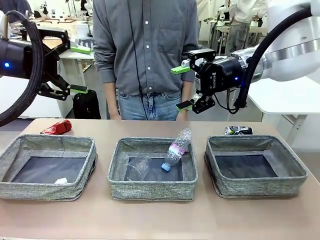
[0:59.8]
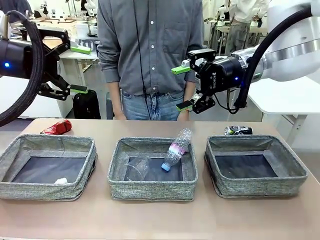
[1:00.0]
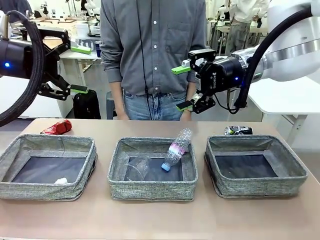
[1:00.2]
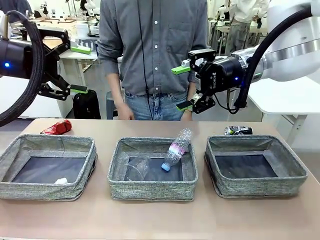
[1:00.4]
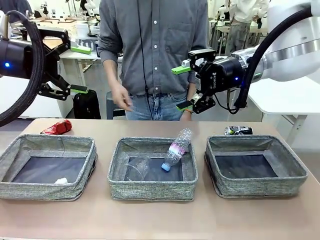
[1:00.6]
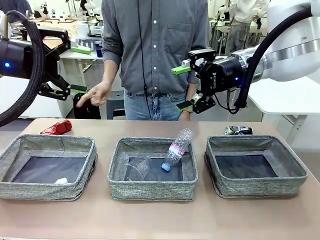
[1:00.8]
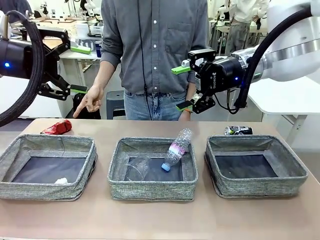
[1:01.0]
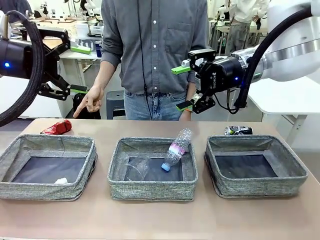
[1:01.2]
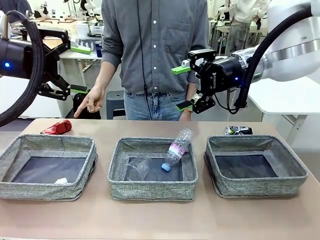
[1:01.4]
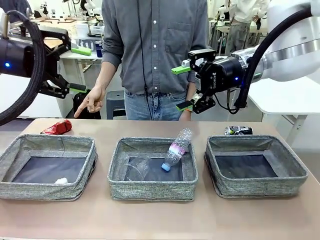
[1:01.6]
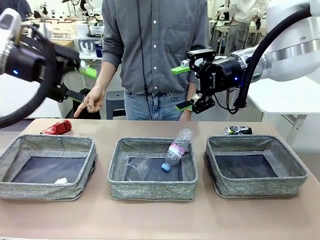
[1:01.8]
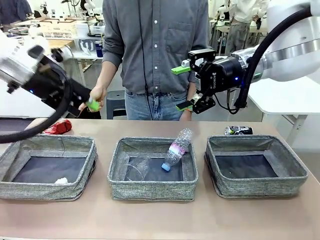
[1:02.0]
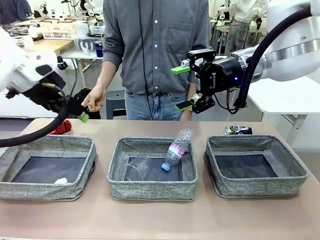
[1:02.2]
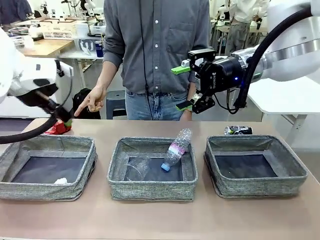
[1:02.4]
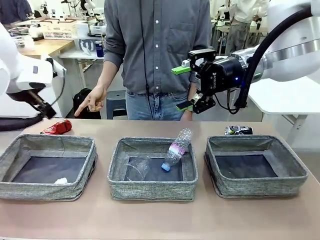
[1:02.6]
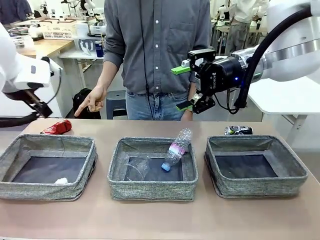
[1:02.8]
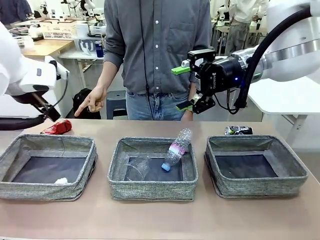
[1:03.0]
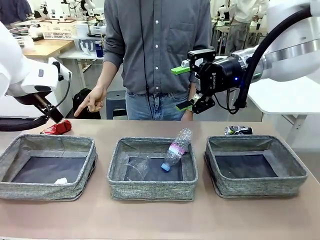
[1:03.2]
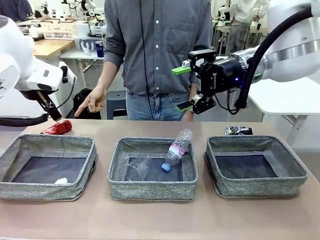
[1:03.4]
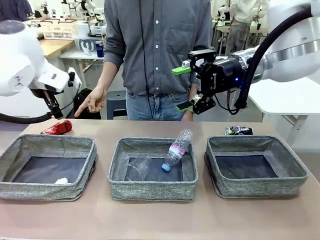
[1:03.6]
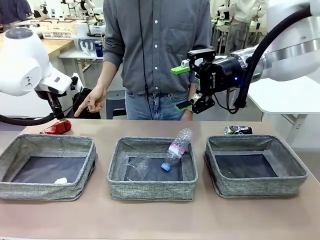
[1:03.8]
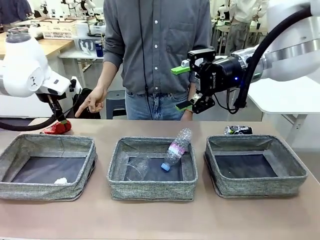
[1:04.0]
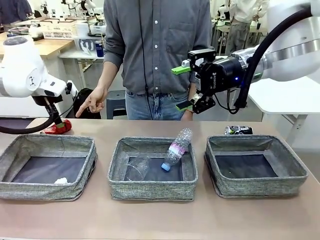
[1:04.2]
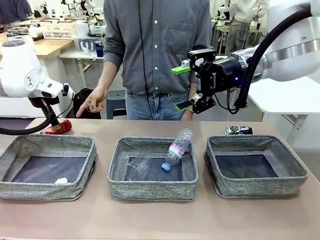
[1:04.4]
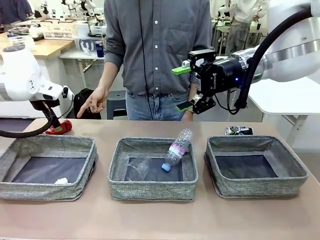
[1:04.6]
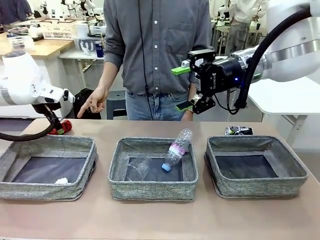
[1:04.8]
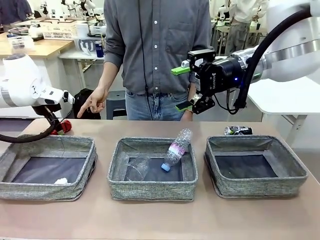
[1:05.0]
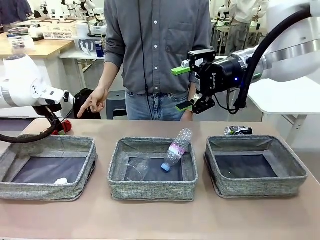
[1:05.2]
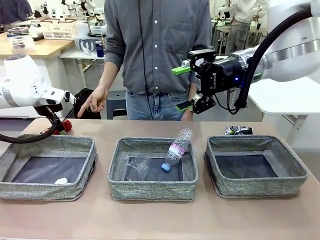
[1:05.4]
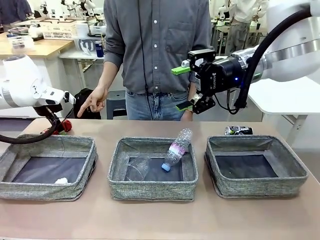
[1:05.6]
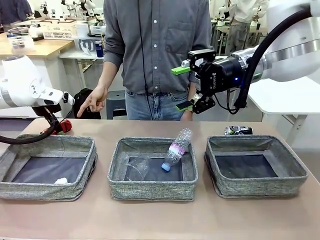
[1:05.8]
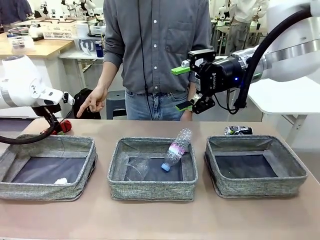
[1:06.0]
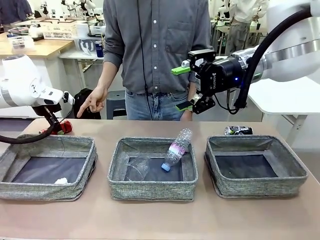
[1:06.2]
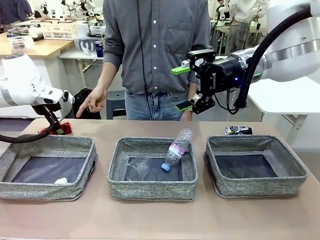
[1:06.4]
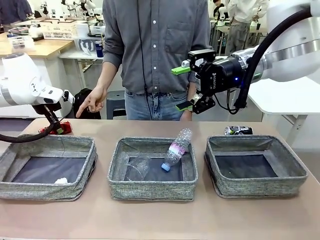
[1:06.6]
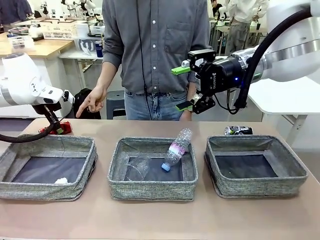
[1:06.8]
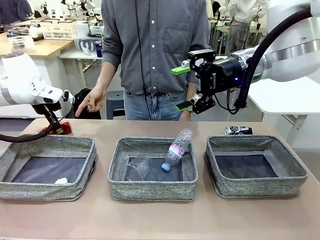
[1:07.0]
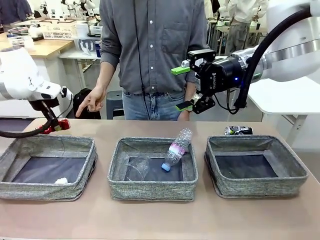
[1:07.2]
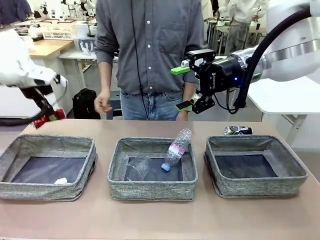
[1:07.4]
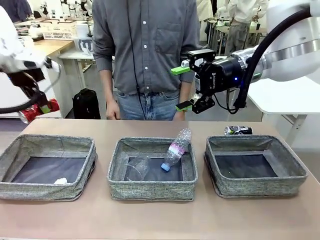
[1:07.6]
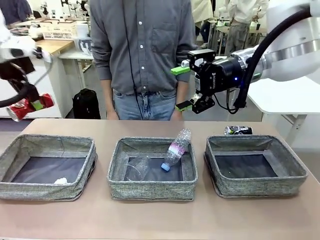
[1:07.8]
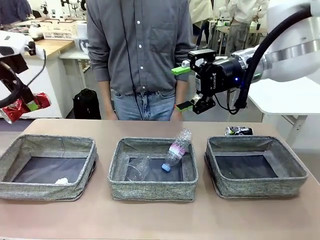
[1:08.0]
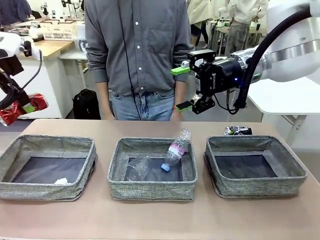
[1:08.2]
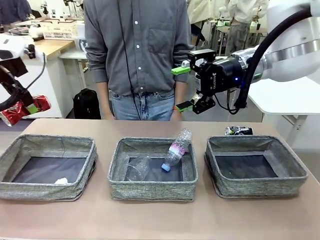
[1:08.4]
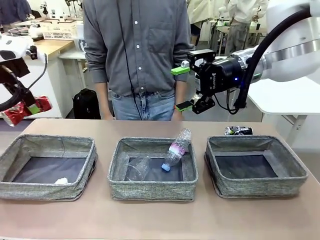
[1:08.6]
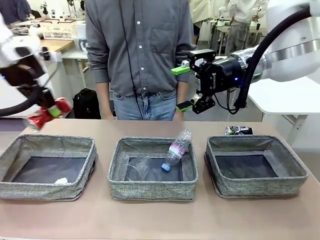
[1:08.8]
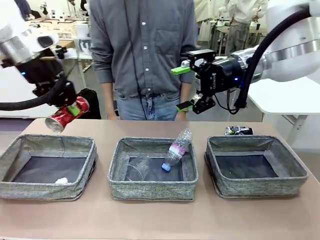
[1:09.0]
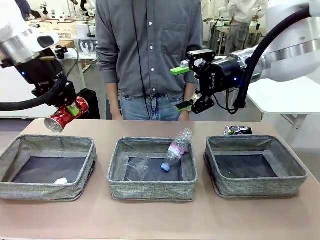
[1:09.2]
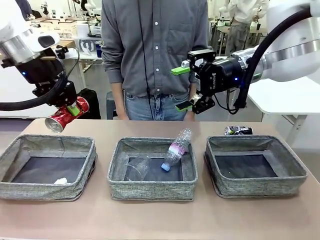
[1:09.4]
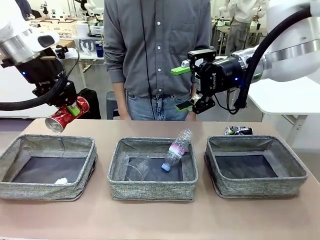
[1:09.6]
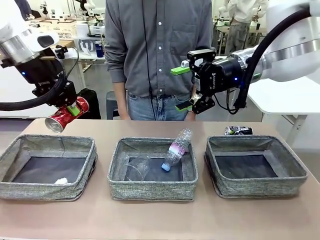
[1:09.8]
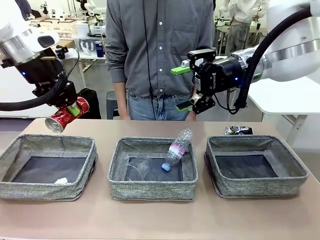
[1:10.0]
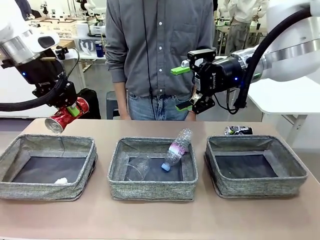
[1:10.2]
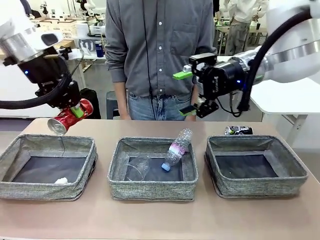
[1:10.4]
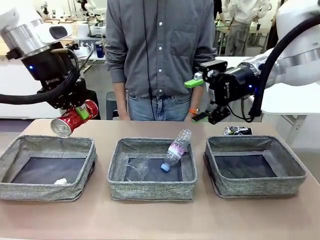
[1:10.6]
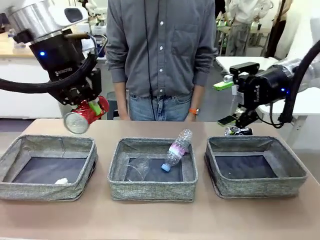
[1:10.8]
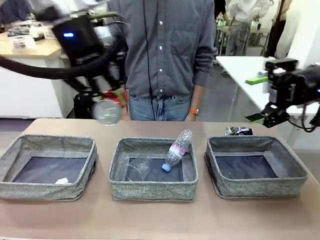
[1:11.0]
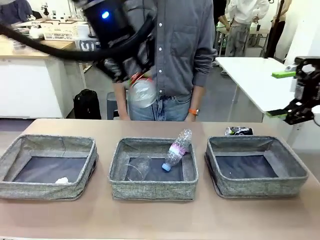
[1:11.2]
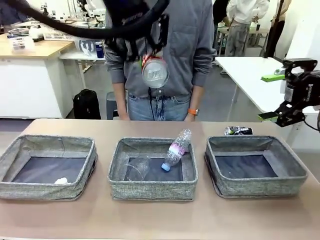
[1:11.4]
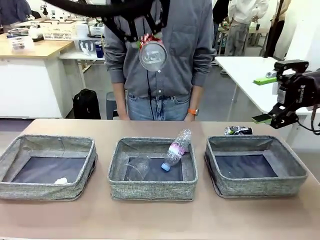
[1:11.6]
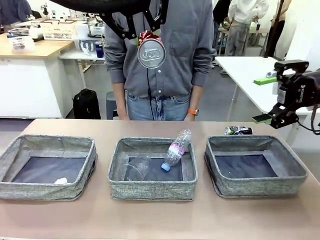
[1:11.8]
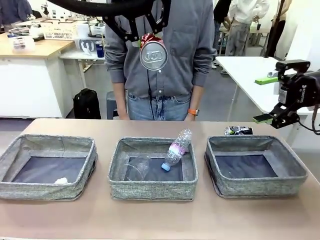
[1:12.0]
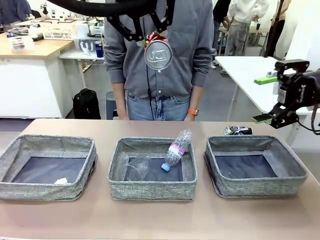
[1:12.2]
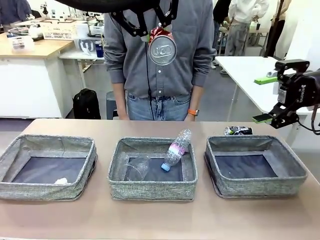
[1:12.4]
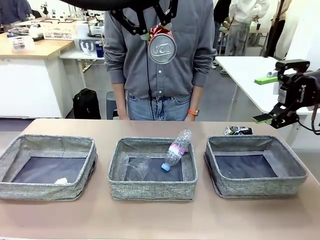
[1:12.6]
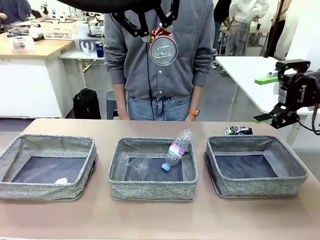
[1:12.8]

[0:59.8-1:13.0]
Task: Sort the waste into the appropriate baskets.
Robot: Pick up the waste item pointed out by the person.
Person: Points to one piece of trash on the table.

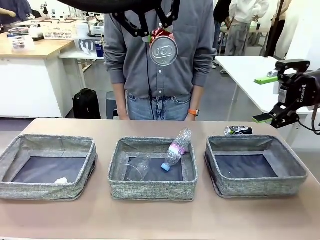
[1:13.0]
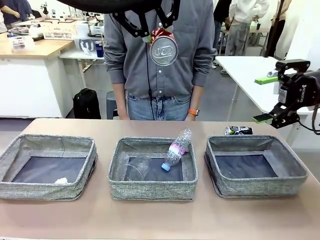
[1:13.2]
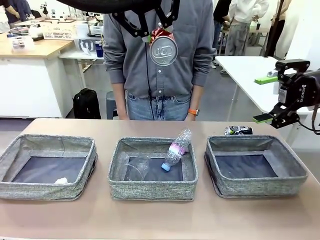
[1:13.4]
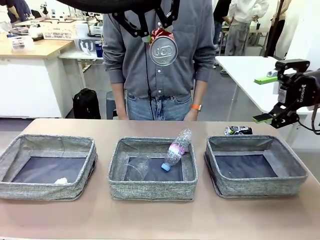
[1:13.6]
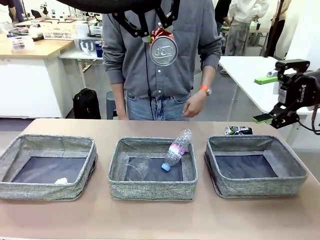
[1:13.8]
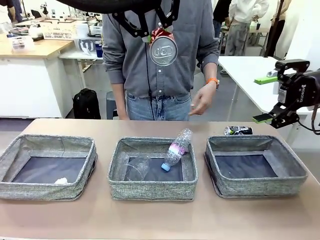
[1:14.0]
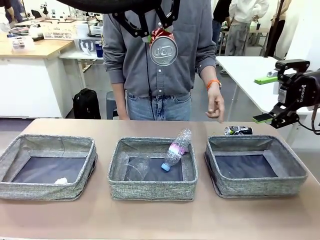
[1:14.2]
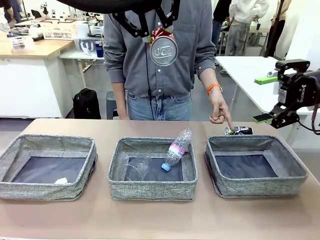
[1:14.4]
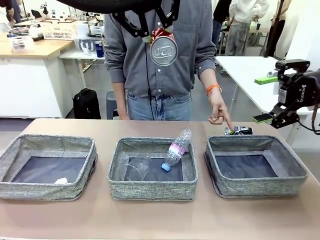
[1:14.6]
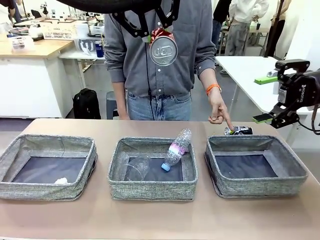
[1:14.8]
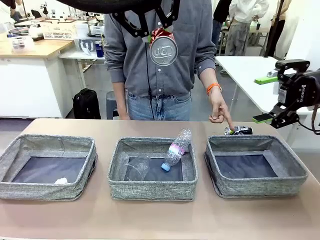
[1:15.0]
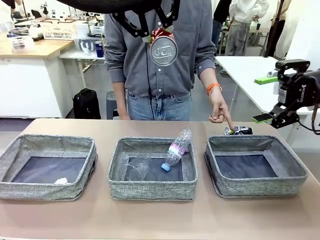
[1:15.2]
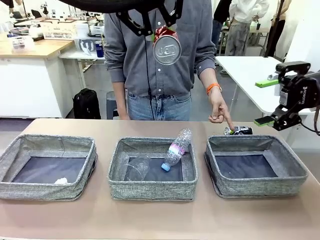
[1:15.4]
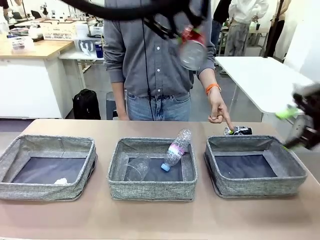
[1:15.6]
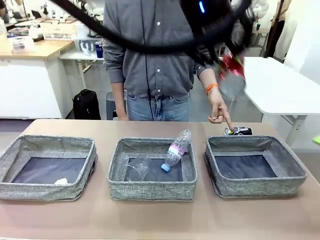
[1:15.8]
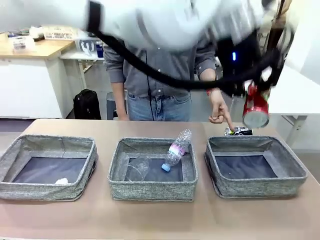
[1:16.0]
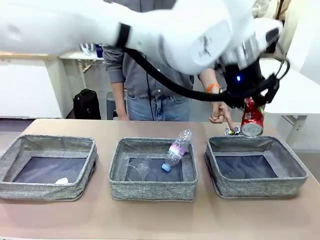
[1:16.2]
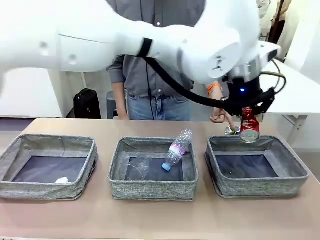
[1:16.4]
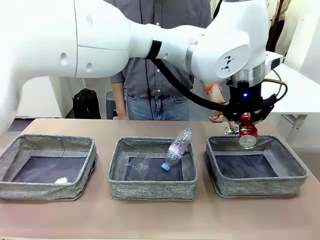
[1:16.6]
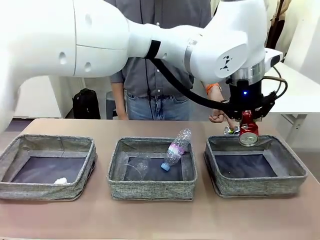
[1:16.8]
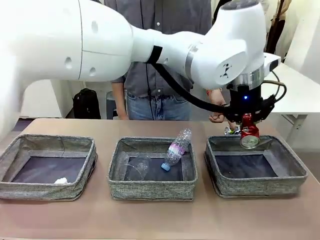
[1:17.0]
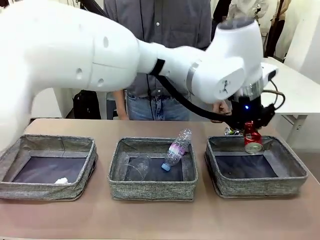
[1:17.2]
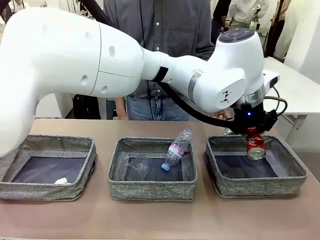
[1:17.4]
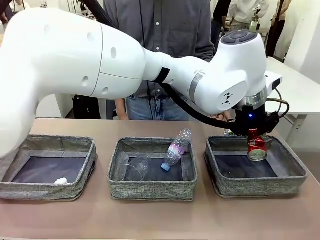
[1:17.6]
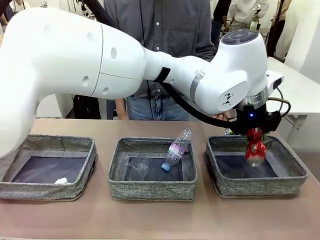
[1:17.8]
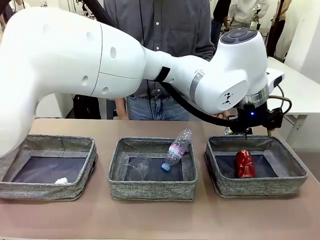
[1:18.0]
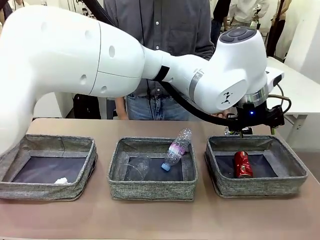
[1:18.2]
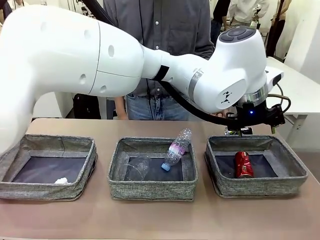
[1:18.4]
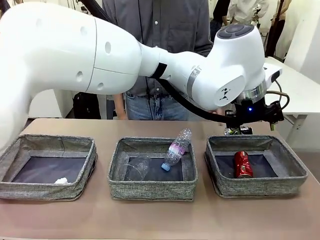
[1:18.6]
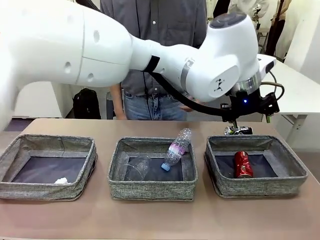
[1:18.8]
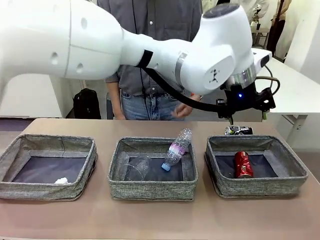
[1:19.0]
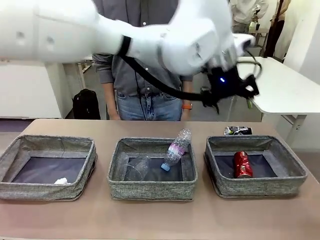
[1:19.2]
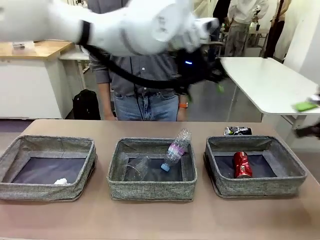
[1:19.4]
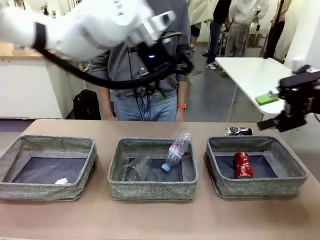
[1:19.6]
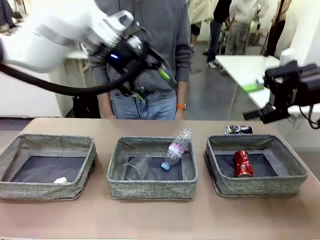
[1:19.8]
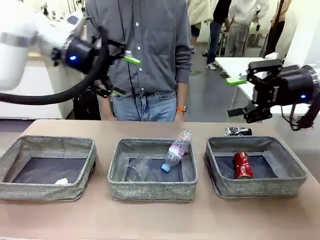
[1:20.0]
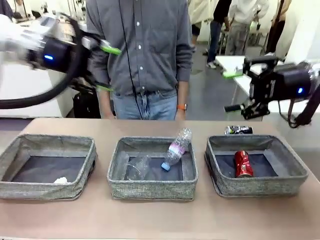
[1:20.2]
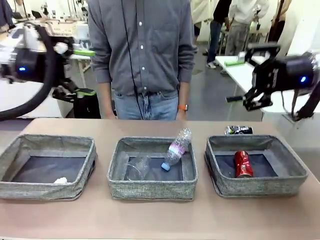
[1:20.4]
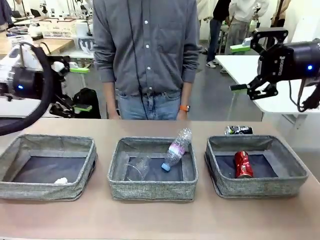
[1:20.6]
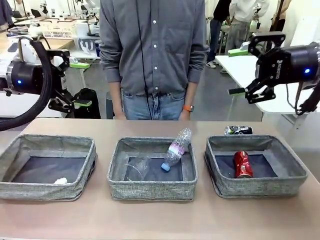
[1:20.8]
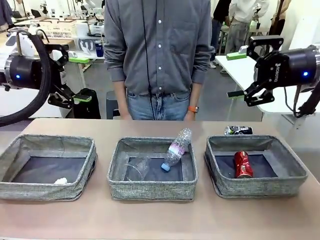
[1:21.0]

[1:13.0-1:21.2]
Robot: Place the picked waste into the Fabric basket indicated by the person.
Person: Instructs the robot to place the picked-up trash into the appropriate organizing basket.
